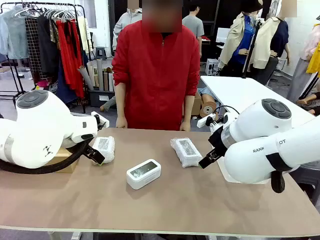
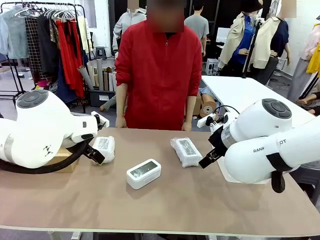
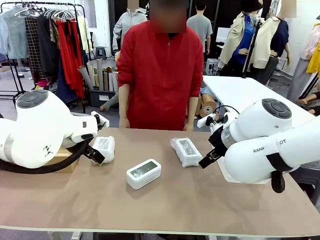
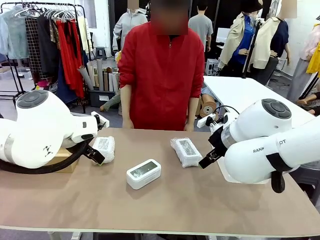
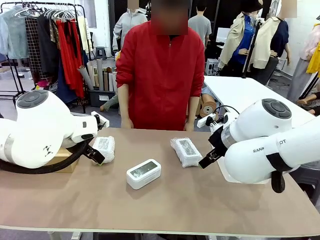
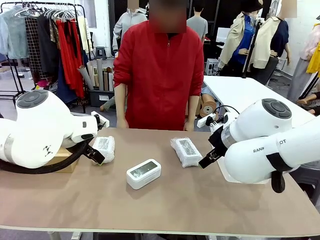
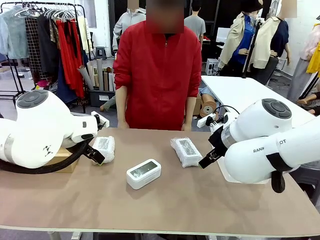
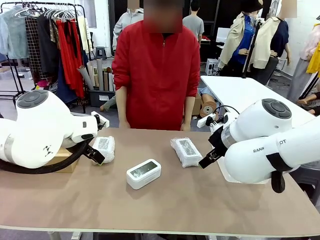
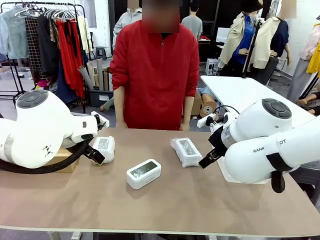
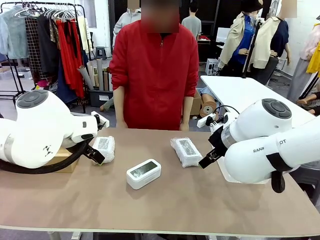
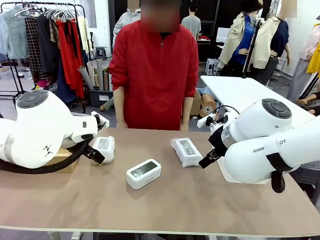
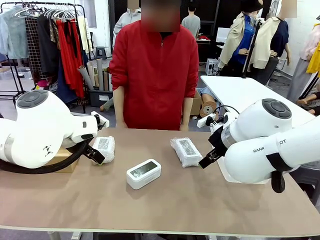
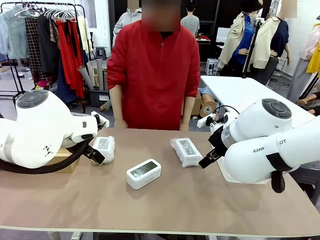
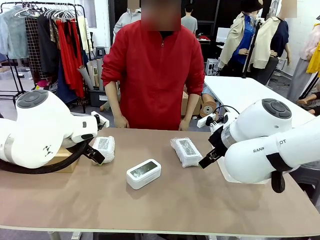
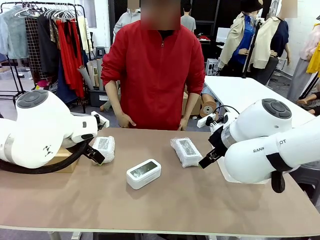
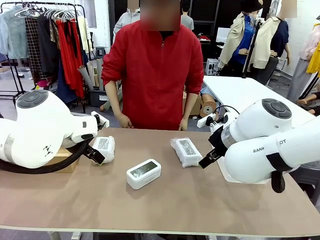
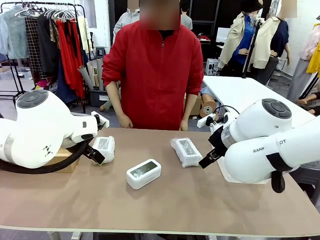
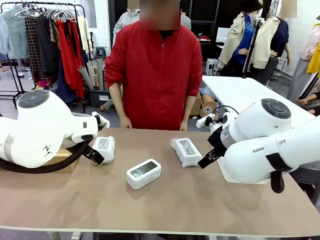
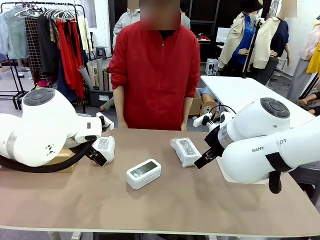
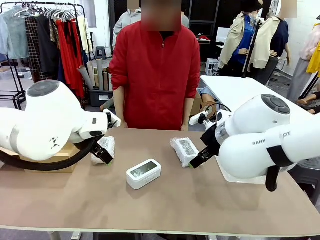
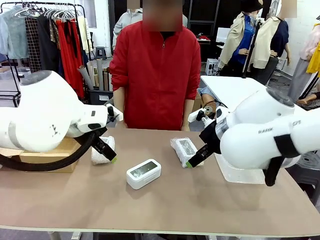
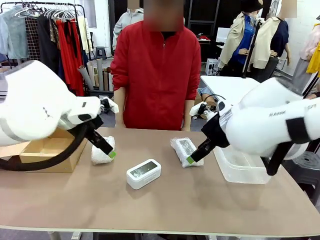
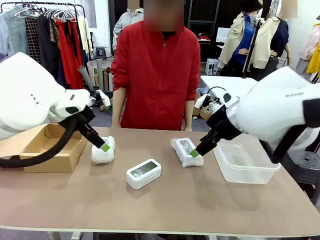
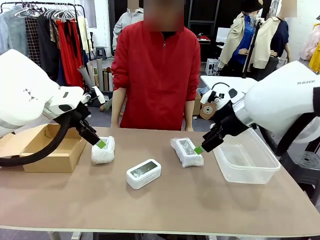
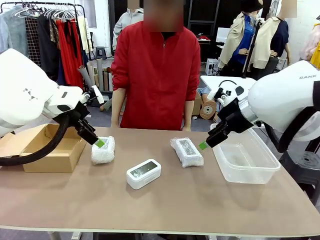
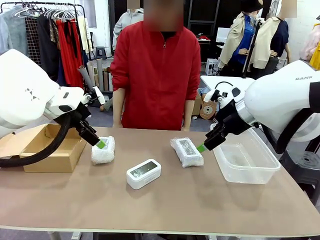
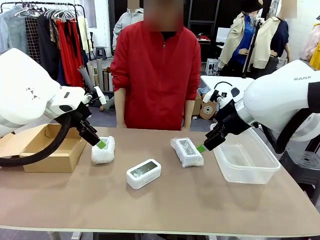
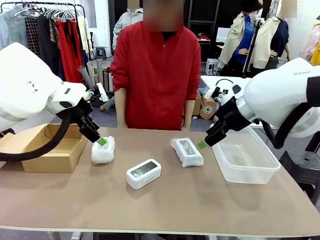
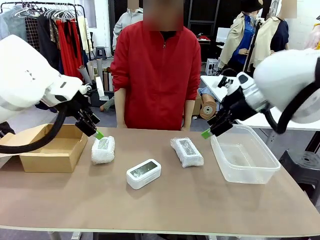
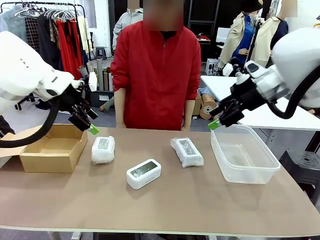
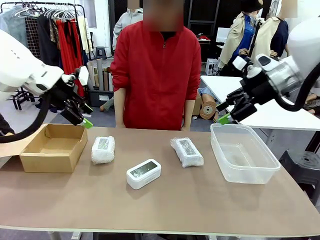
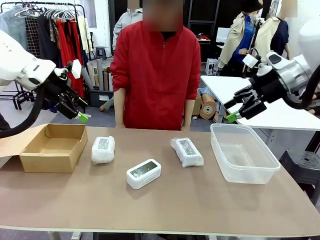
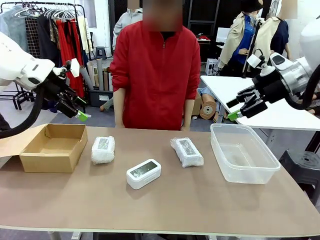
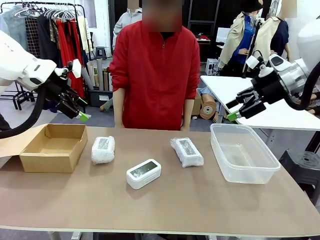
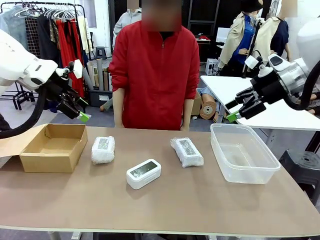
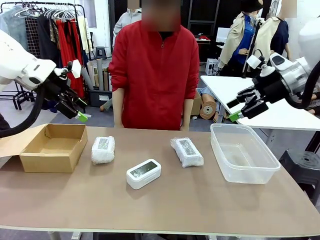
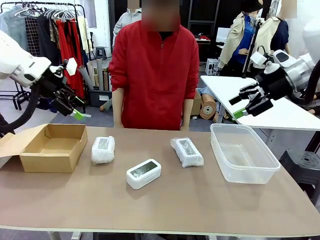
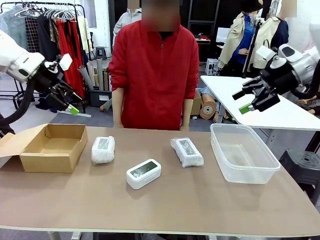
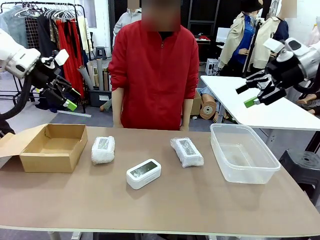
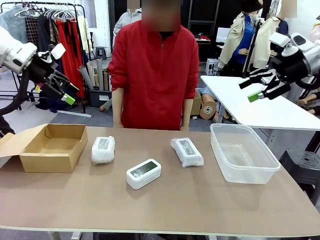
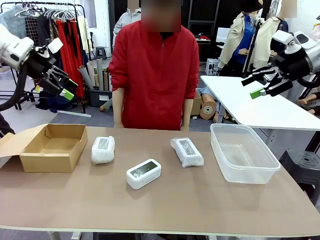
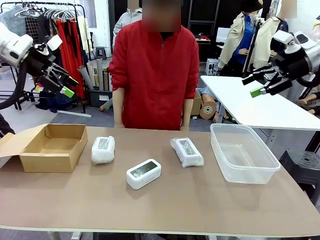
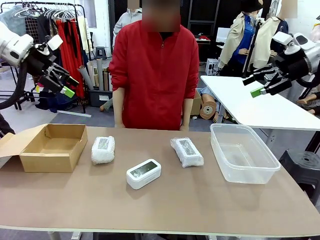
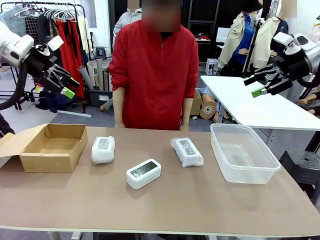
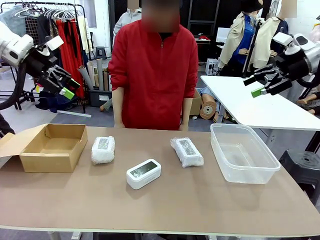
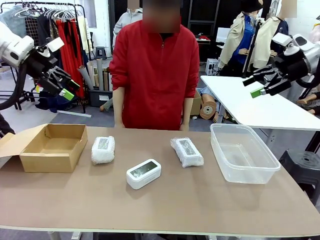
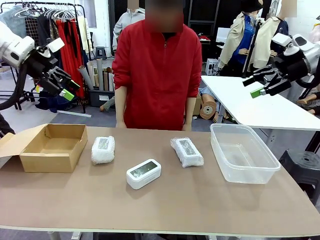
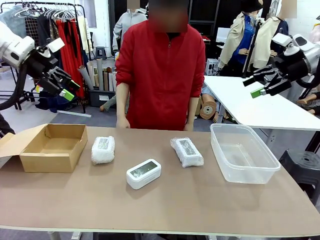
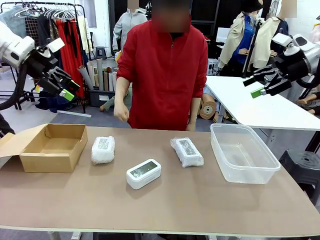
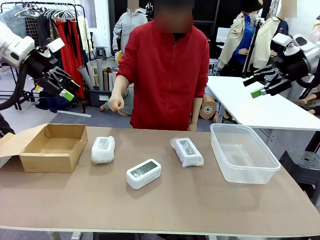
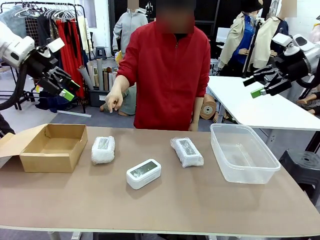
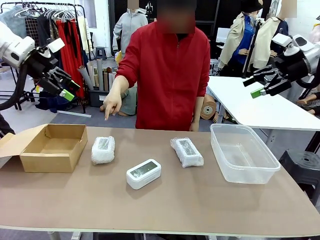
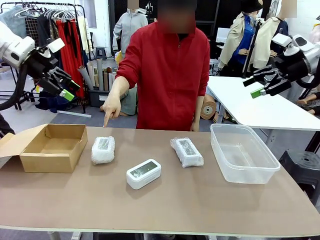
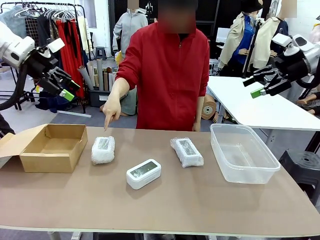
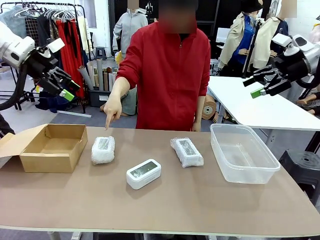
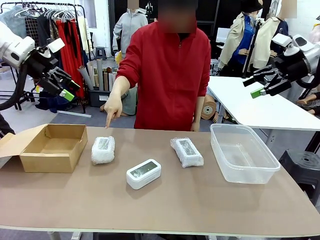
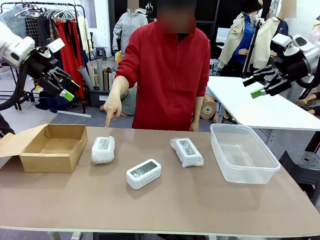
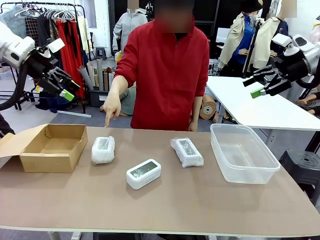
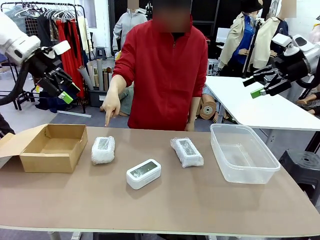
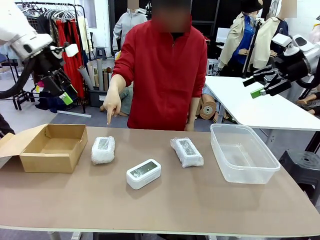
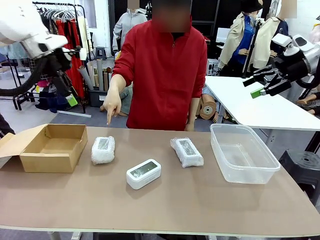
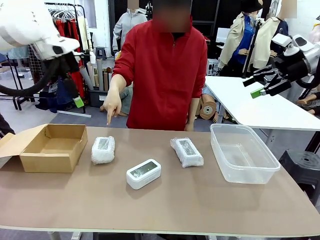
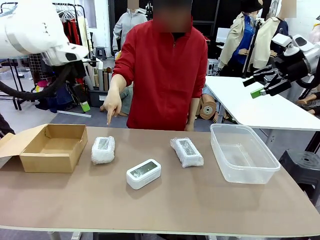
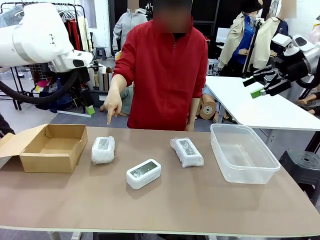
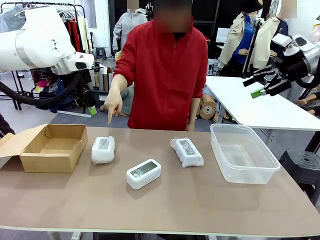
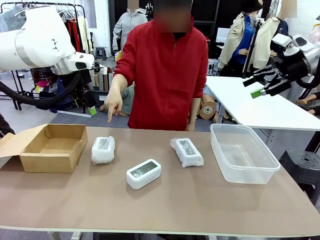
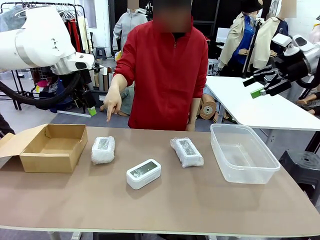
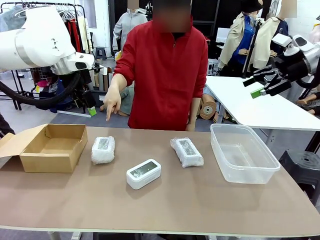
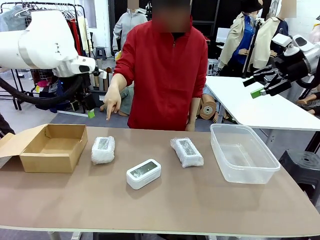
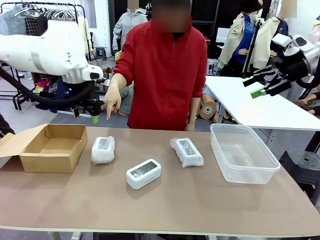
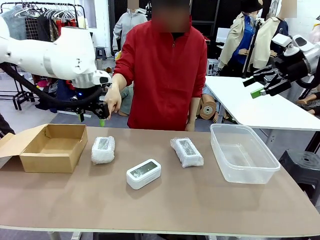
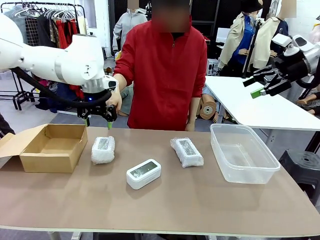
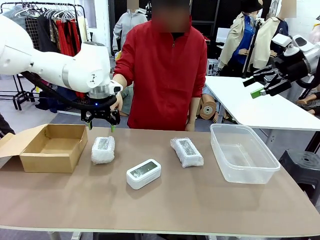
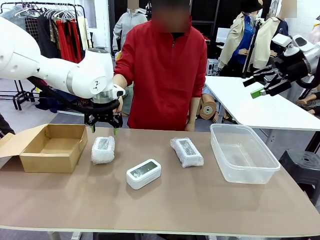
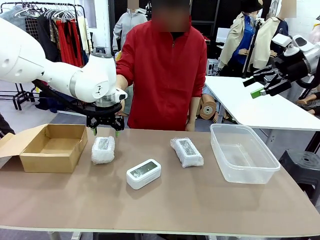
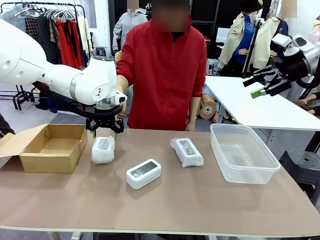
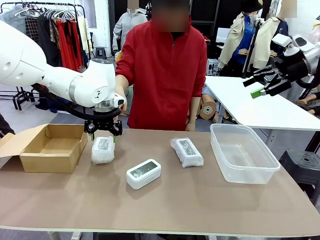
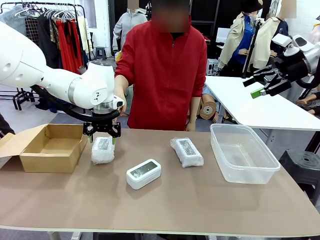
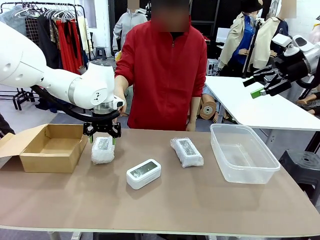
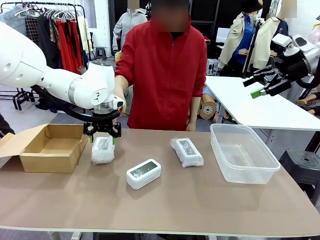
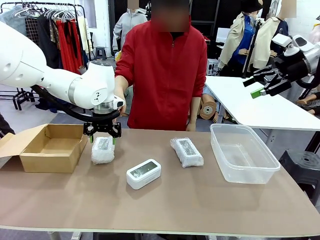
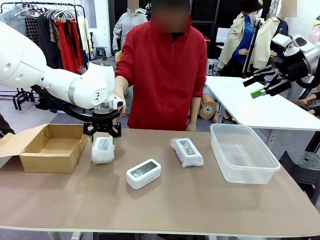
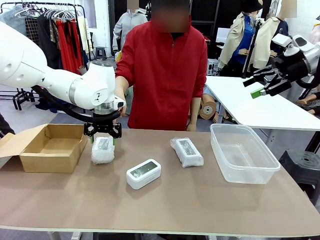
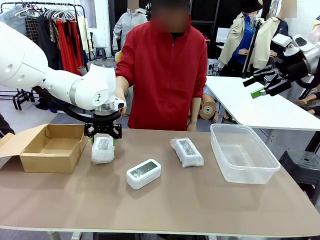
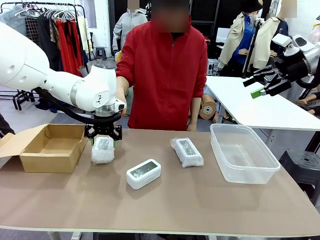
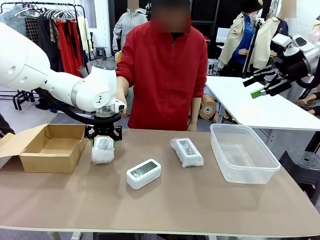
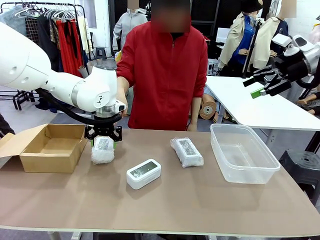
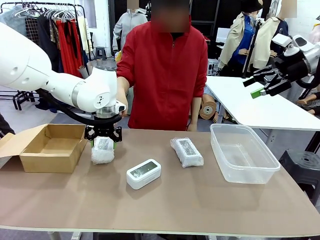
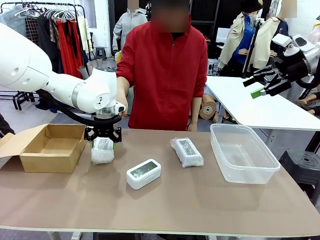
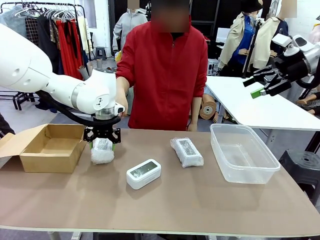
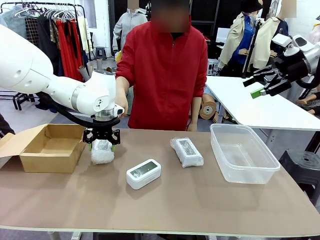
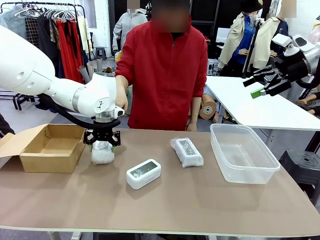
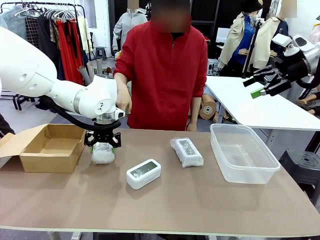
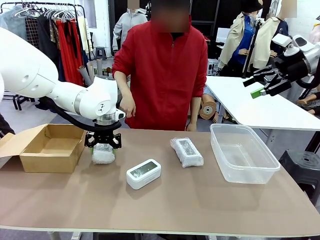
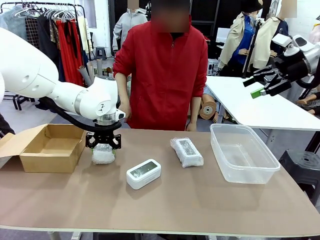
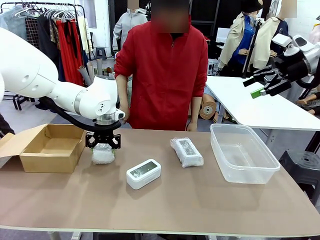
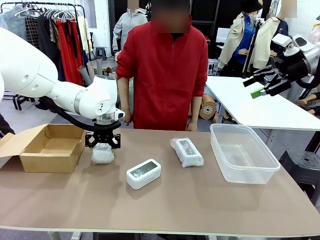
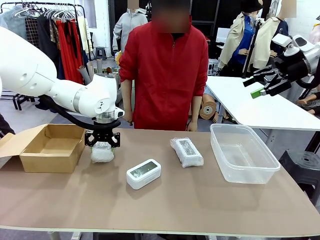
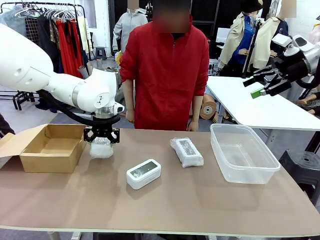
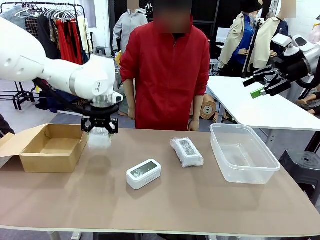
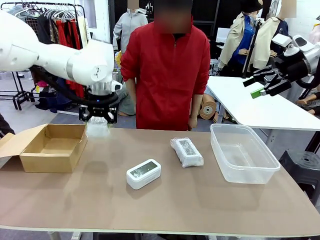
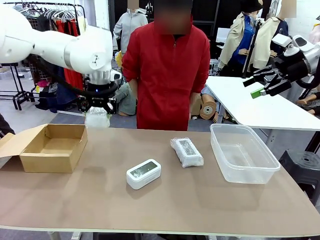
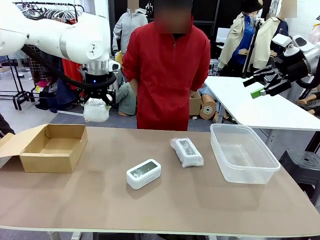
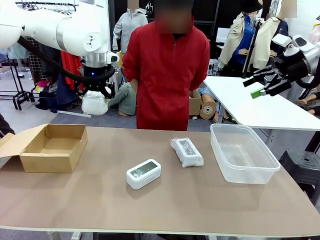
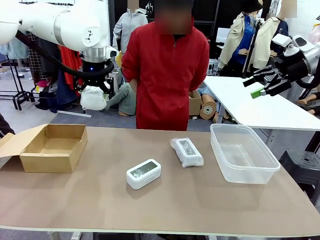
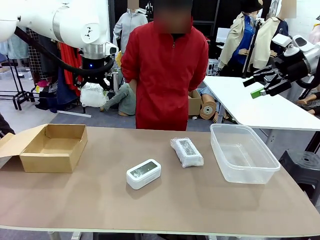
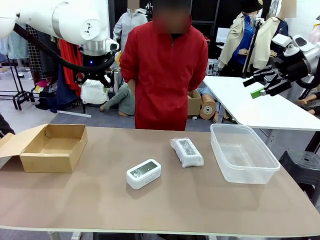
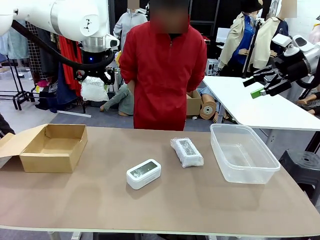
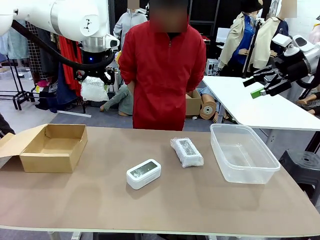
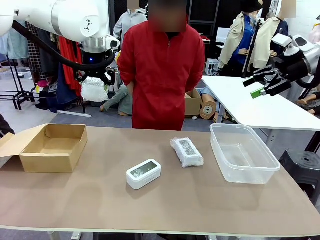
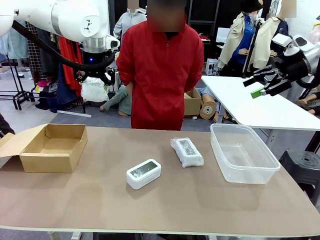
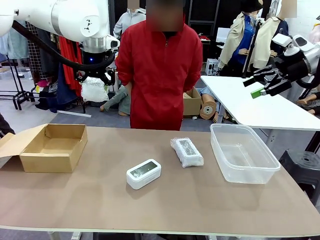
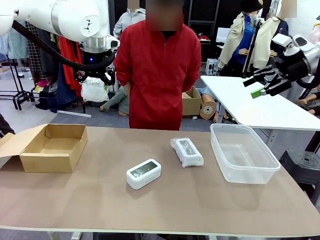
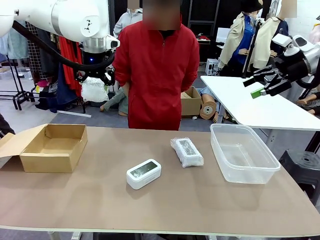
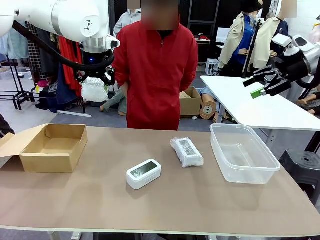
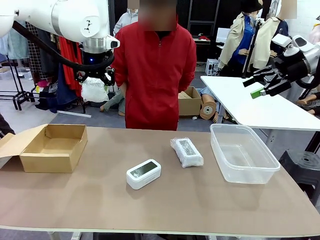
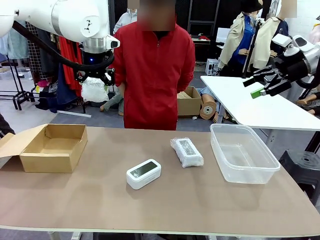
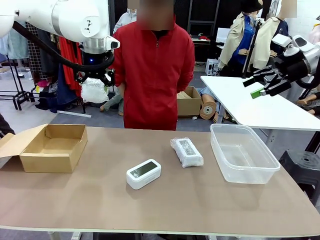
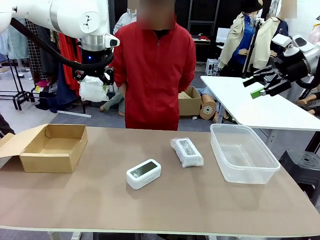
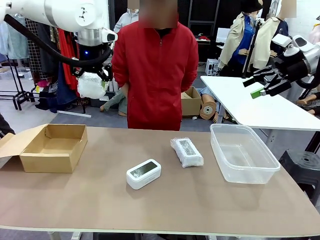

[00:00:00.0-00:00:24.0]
Task: Separate and place wrapped and unwrapped clocks.
Robot: Pick up the Digital clock indicated by the person.
